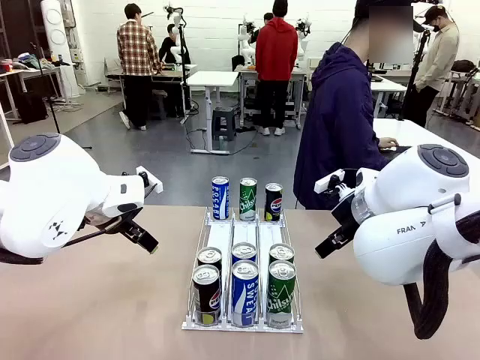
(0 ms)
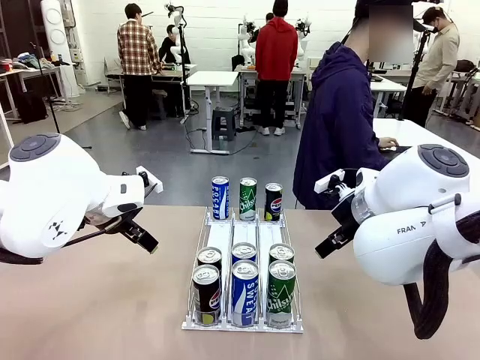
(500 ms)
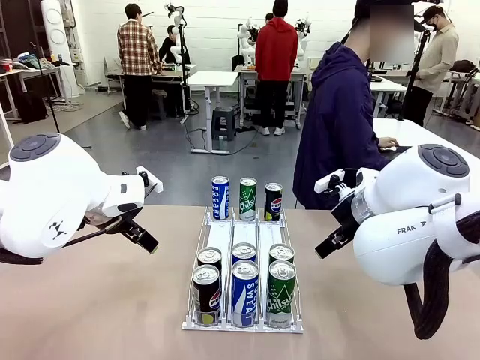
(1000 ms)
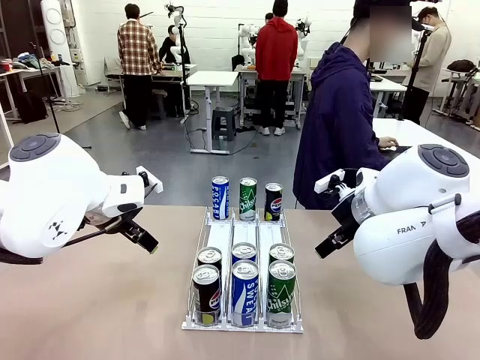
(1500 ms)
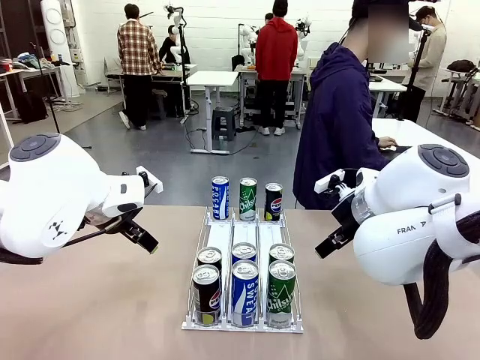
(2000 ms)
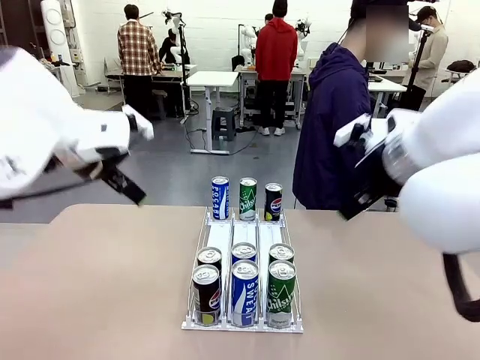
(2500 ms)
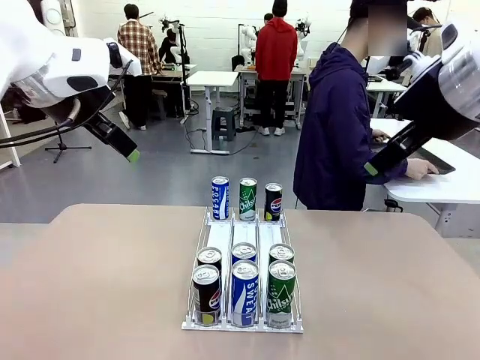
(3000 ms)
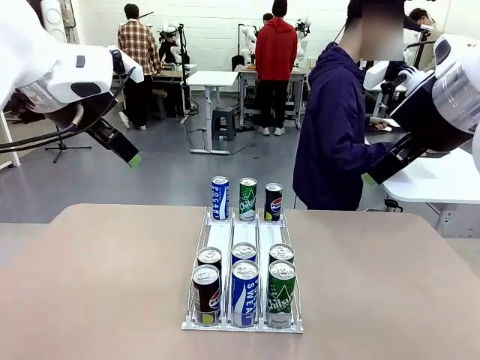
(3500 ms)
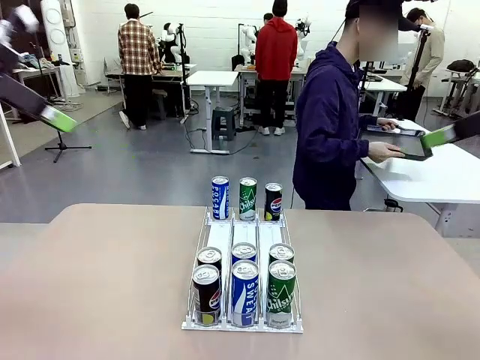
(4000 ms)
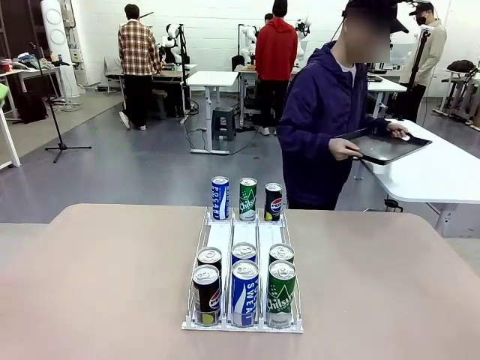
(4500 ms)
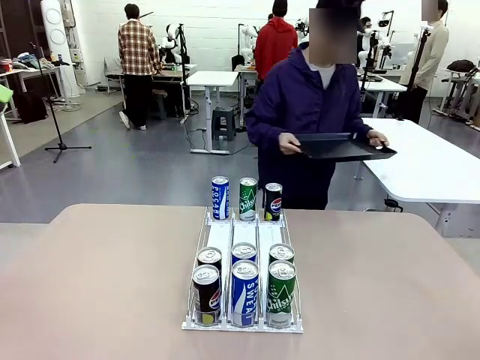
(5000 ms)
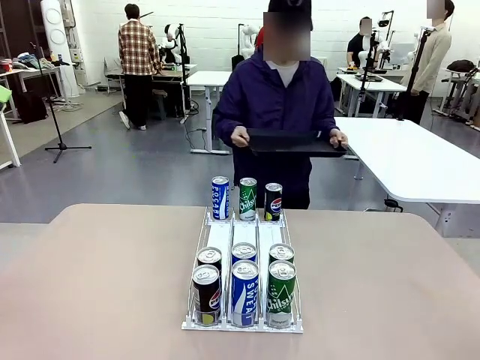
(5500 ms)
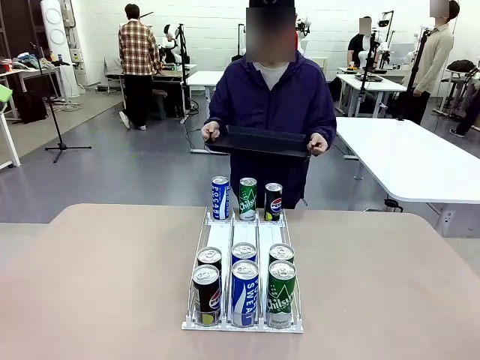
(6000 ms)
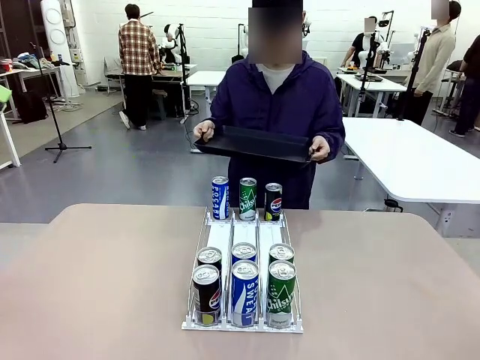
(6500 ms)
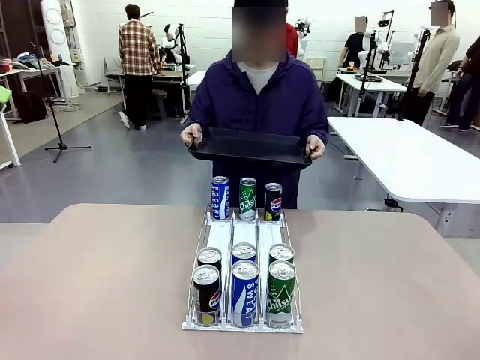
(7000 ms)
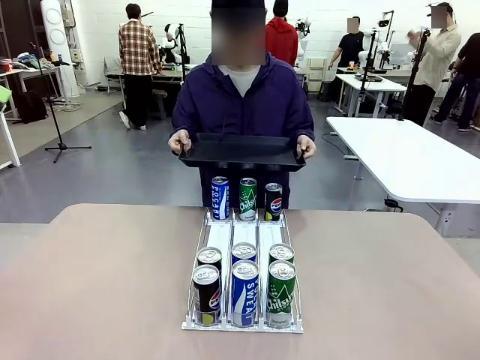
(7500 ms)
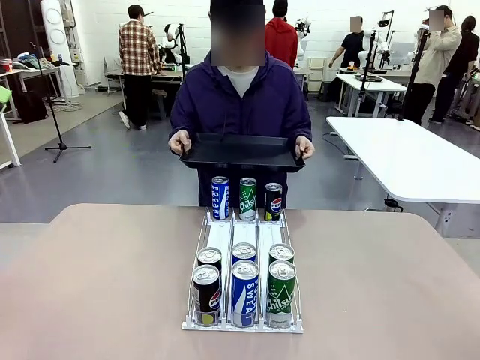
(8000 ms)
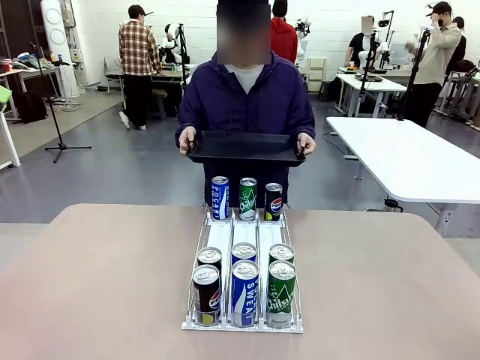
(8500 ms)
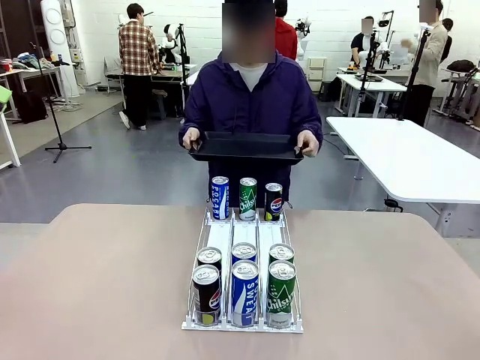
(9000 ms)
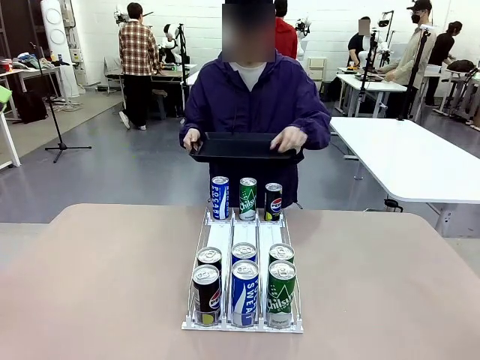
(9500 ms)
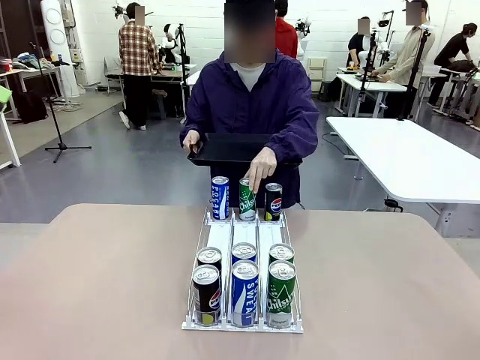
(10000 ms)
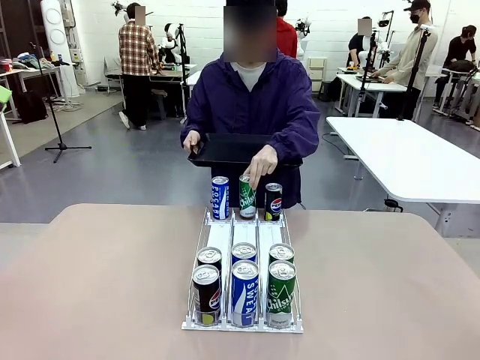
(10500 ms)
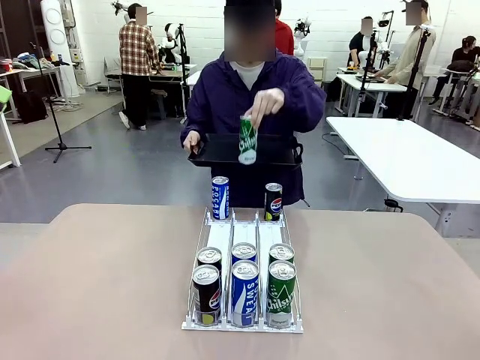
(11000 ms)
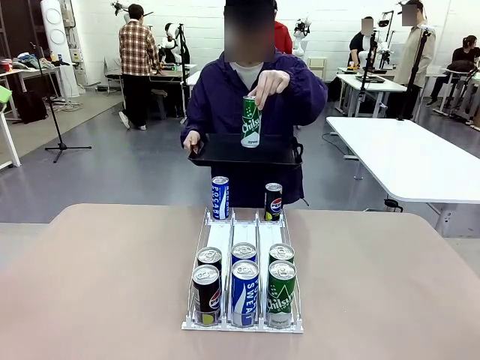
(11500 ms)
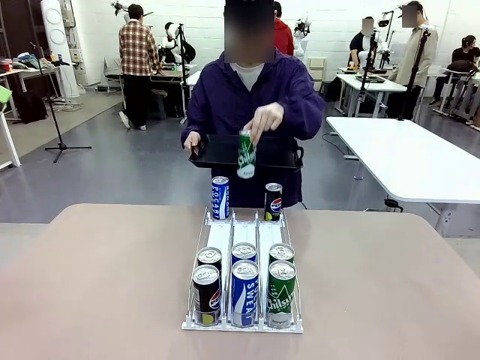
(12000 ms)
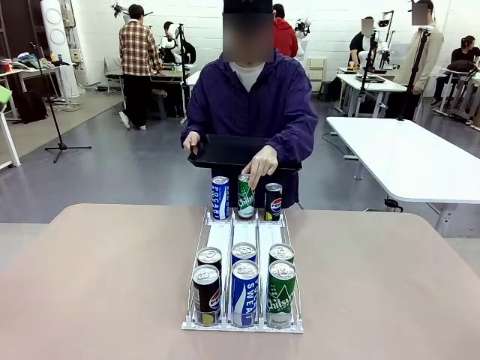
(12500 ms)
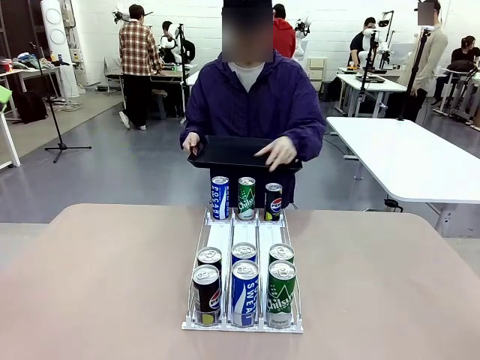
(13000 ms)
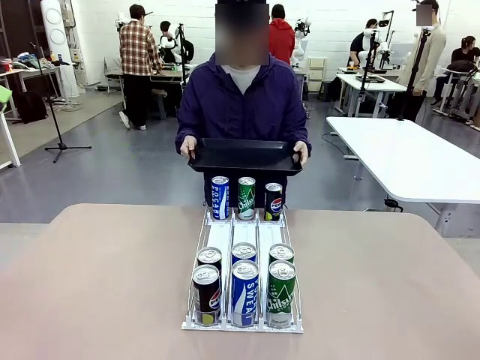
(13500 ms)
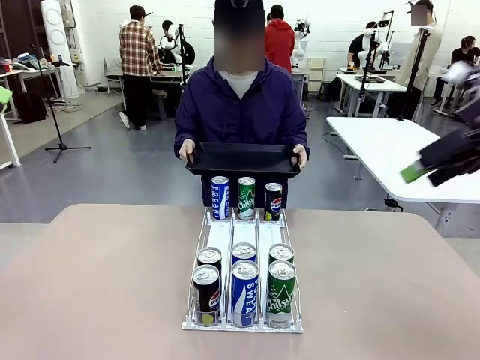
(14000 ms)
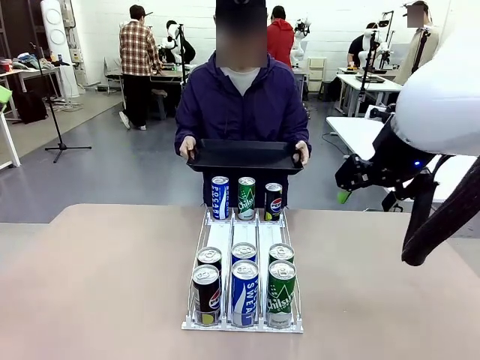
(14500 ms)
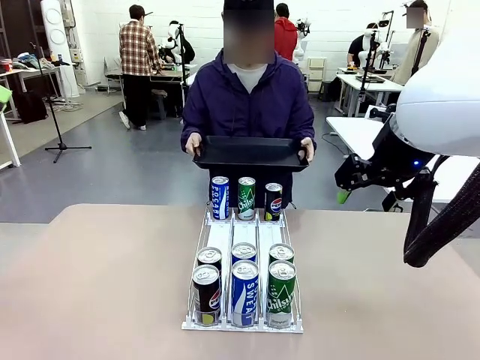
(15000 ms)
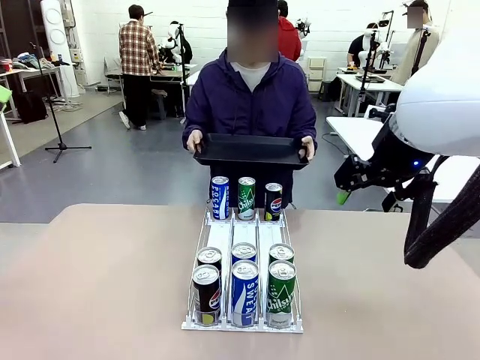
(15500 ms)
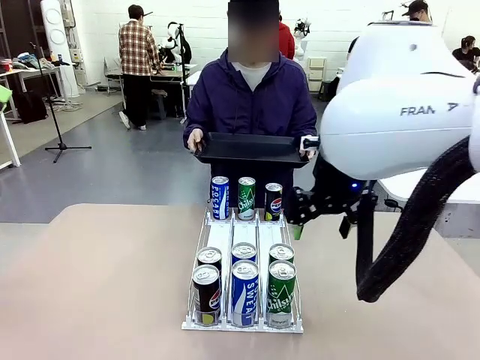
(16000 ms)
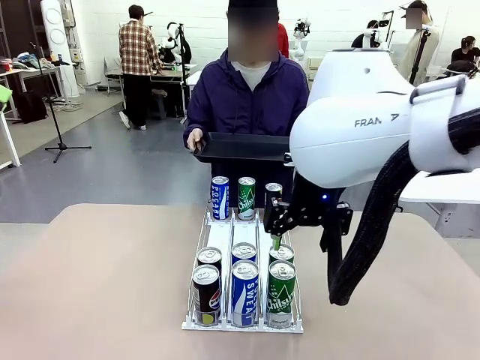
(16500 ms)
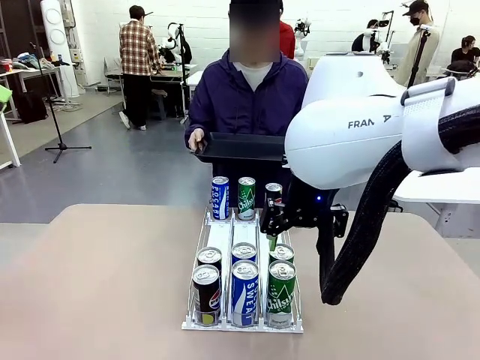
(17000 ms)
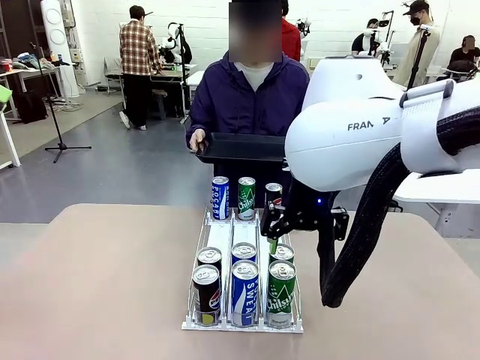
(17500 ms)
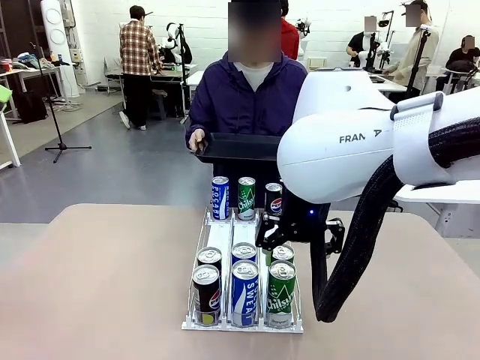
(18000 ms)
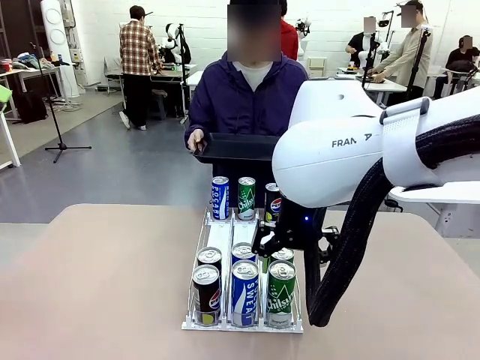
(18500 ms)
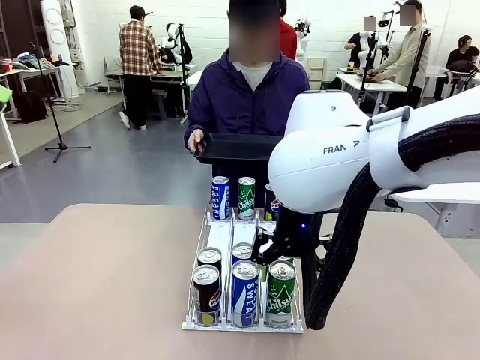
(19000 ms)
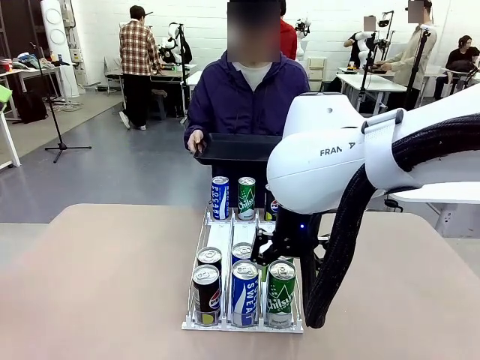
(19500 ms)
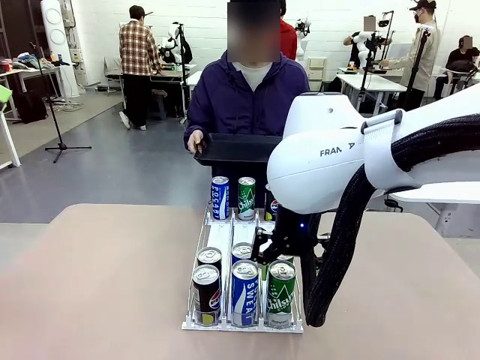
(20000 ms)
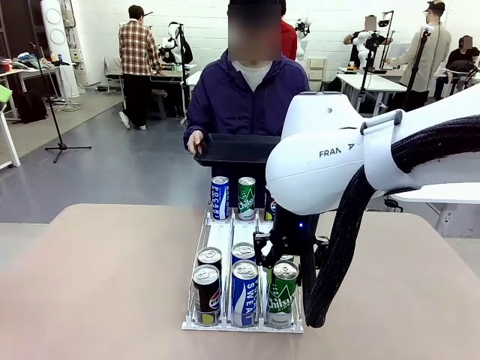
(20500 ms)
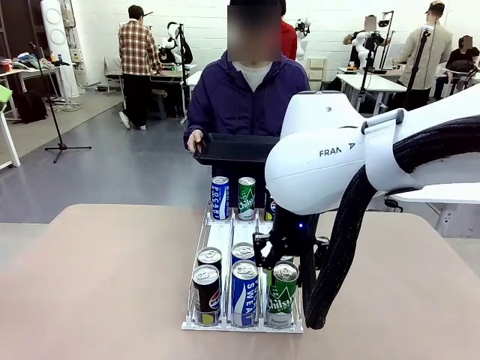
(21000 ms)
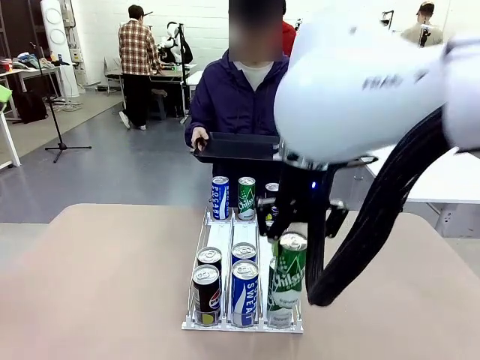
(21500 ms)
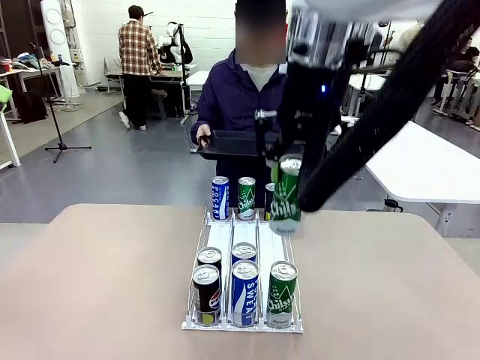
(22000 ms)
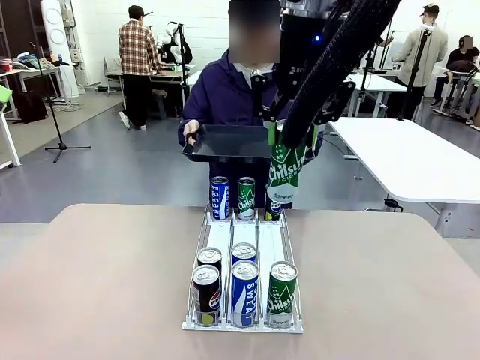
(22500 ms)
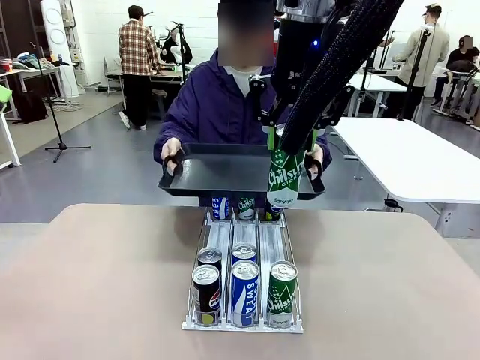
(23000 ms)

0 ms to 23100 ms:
Task: Retrieve and hand over the desired beverage to the person.
Robot: Pick up a can of the same type that the person held from the Automatic Can Dispenser.
Person: Hold the tray and position yourself in front of the robot table. Pick up one can from the bottom area of the table and puts it back in its original place. Push the tray toward the robot.
